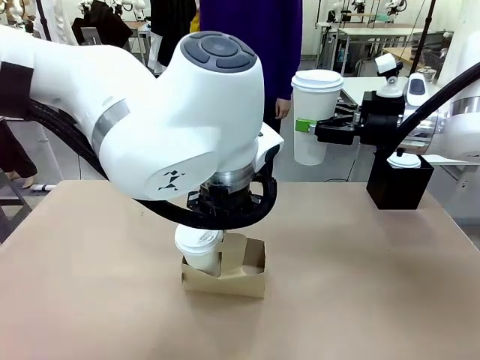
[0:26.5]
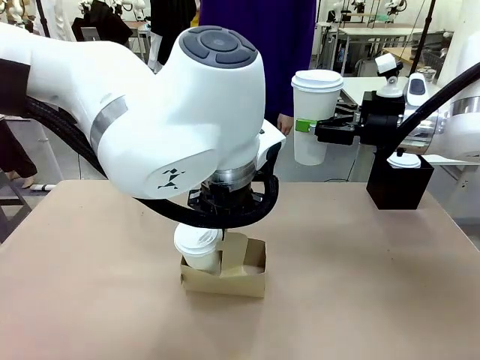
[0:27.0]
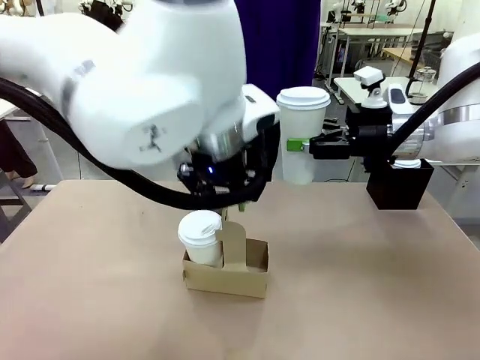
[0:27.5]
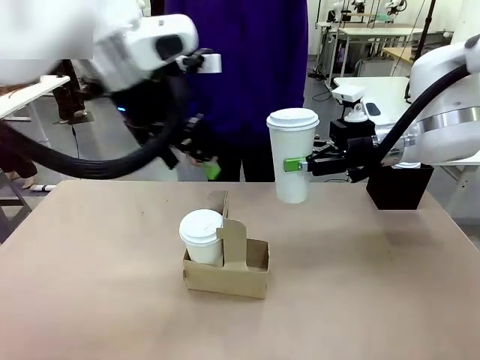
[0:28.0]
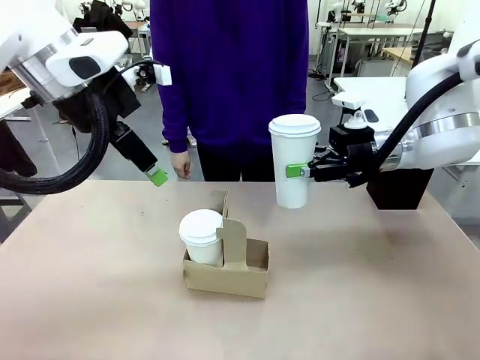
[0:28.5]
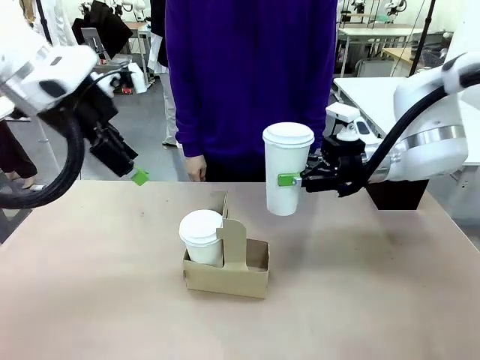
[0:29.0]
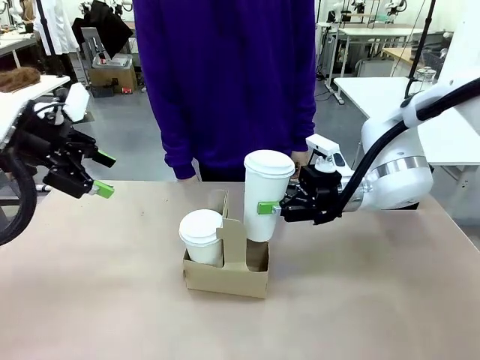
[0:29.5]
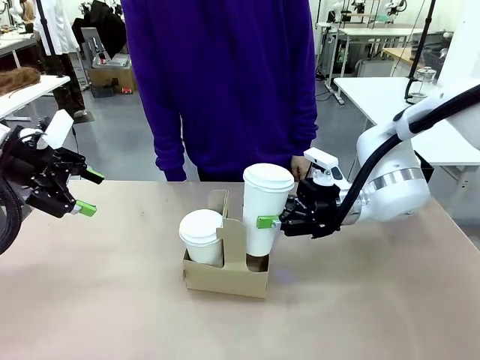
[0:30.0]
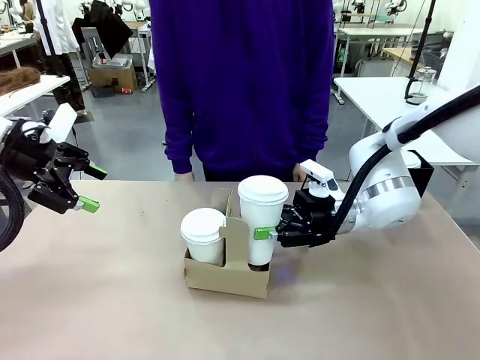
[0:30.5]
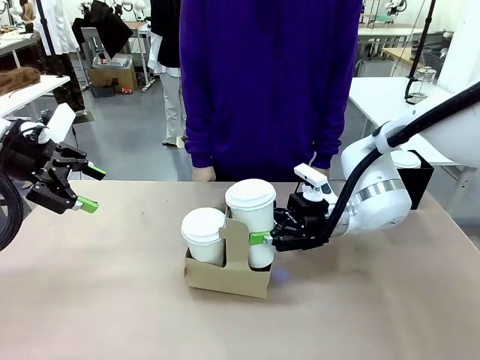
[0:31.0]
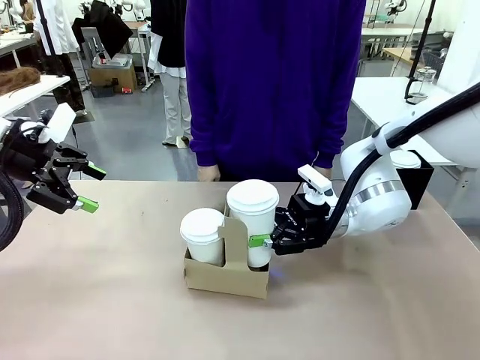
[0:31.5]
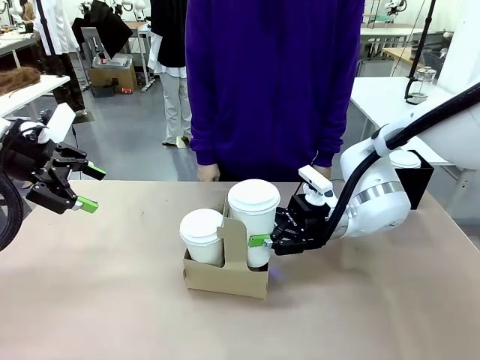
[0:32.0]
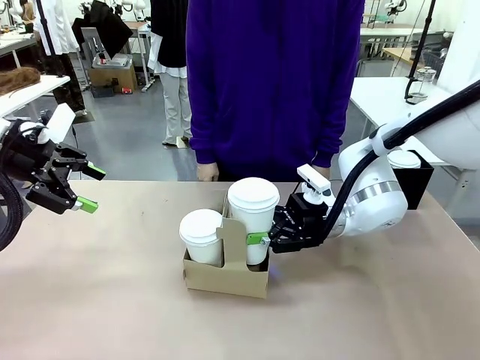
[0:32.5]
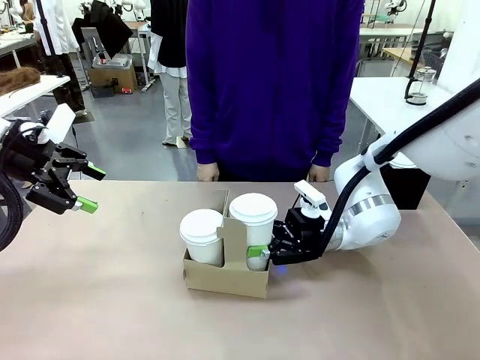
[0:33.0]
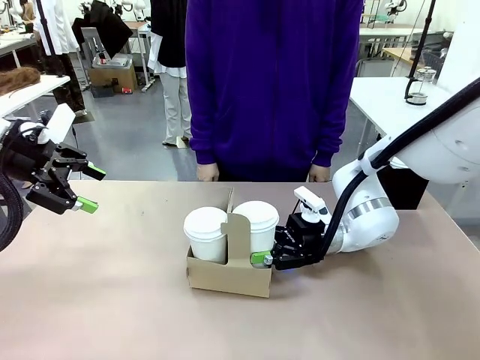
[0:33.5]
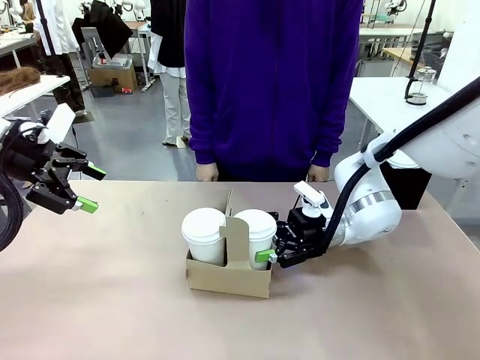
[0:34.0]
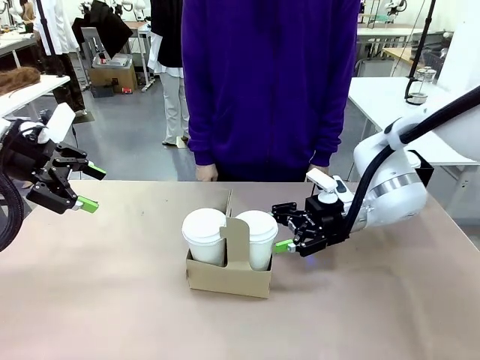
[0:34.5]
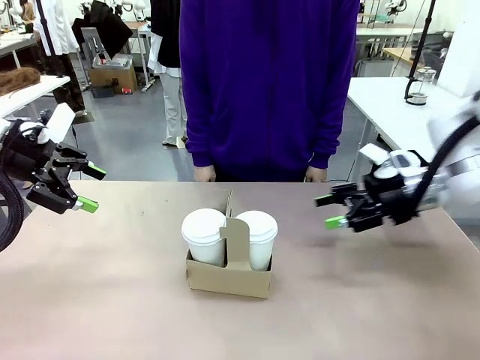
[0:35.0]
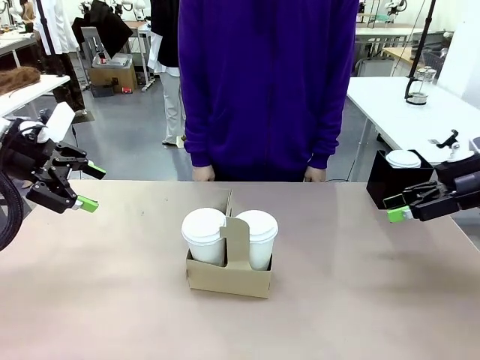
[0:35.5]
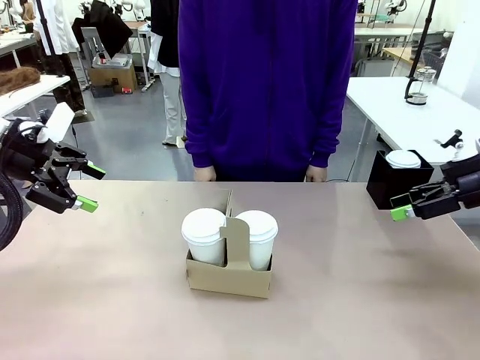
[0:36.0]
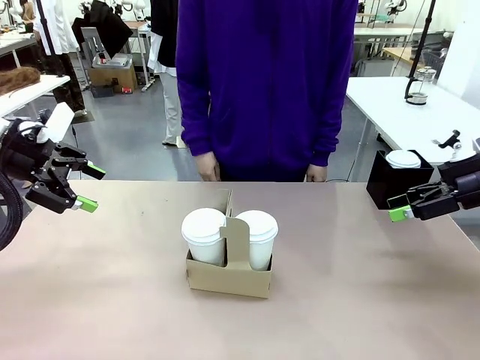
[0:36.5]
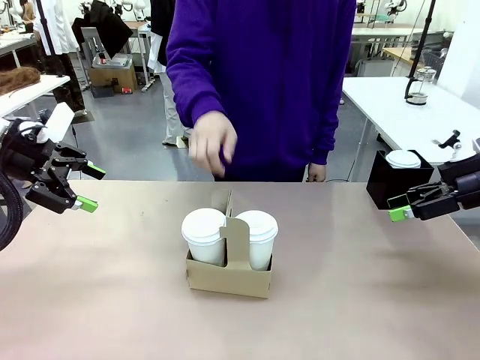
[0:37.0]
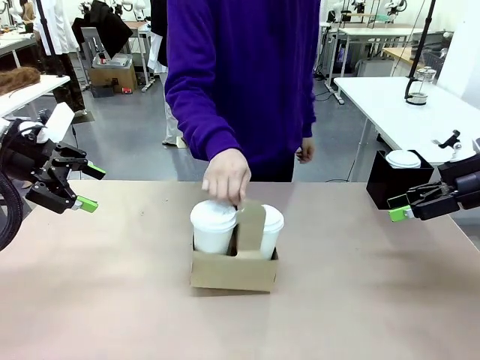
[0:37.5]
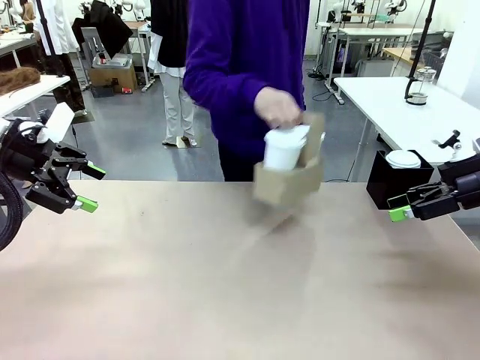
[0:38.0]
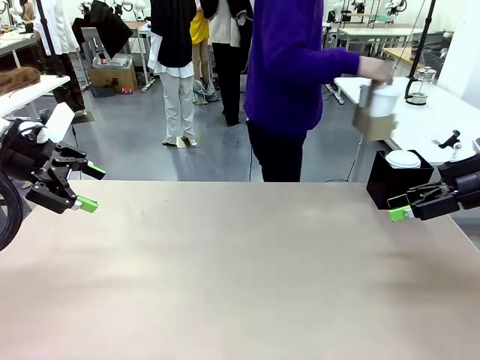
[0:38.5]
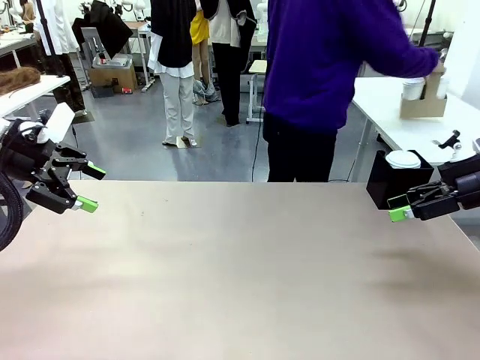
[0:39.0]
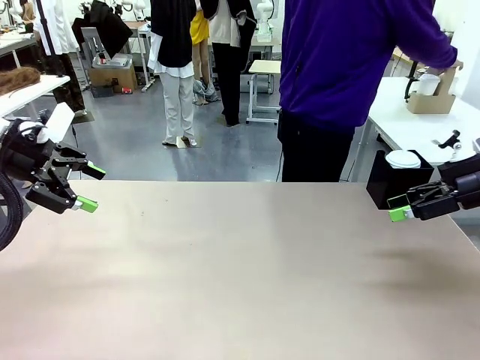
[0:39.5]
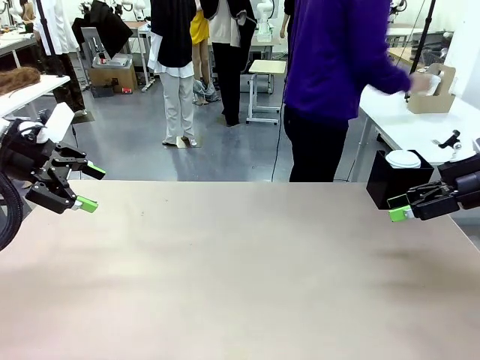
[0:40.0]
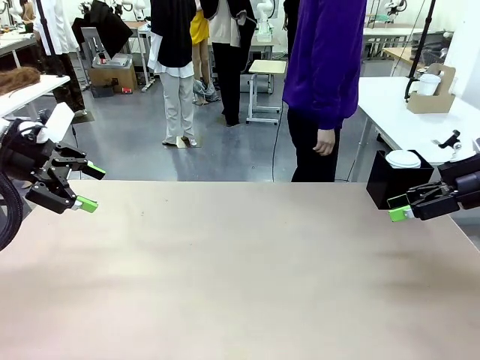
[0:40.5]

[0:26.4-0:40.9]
Task: Pour a drink into a cup and package it in a carrier.
Robot: Insert the held 600 ml Paper Cup into the Cup Carrier.
Person: Place the Cup Carrier to the middle of Human table.

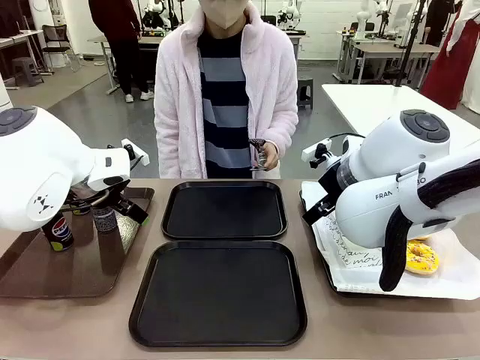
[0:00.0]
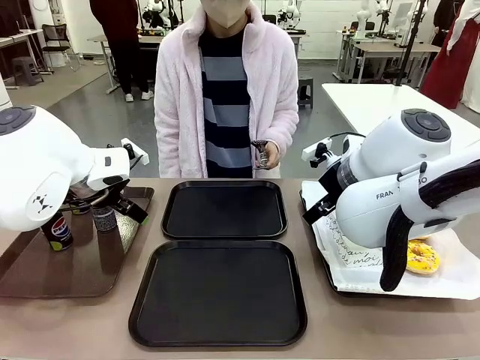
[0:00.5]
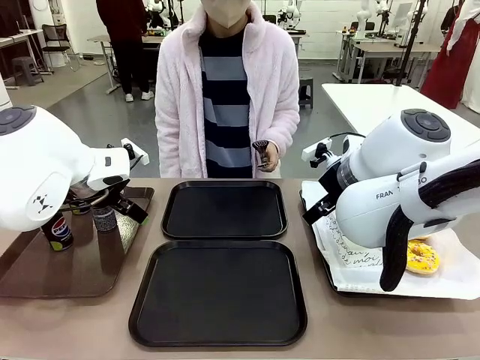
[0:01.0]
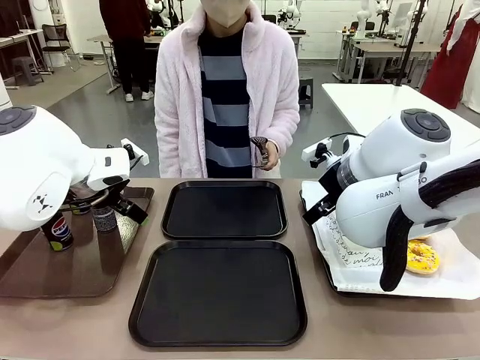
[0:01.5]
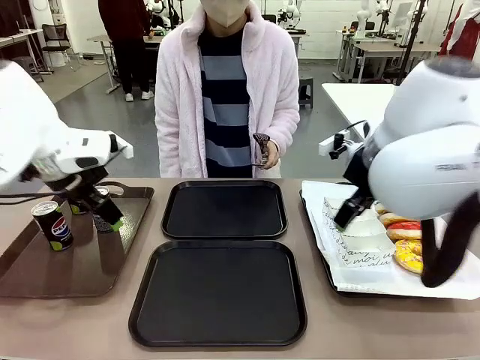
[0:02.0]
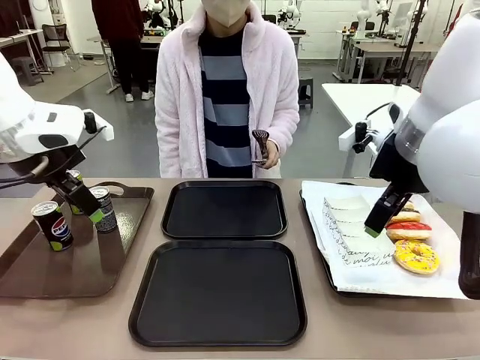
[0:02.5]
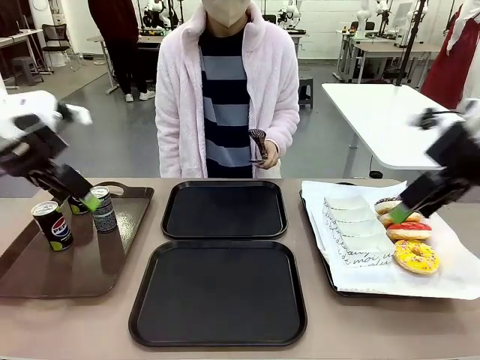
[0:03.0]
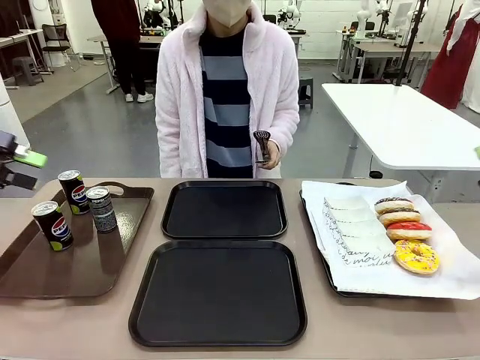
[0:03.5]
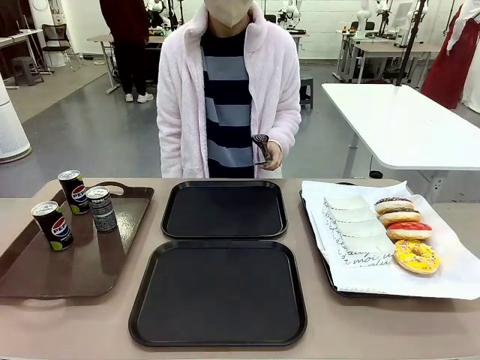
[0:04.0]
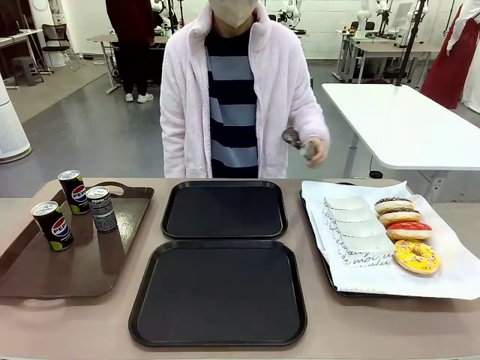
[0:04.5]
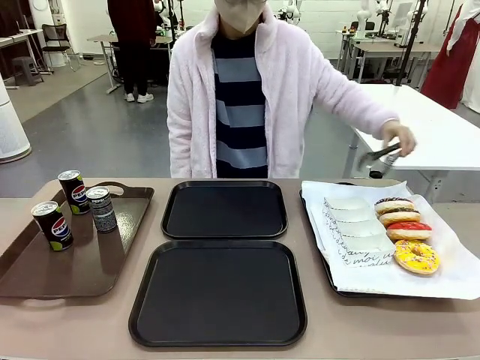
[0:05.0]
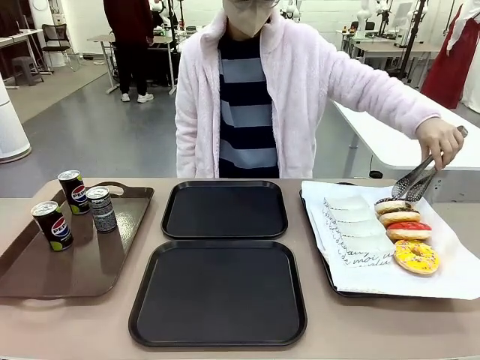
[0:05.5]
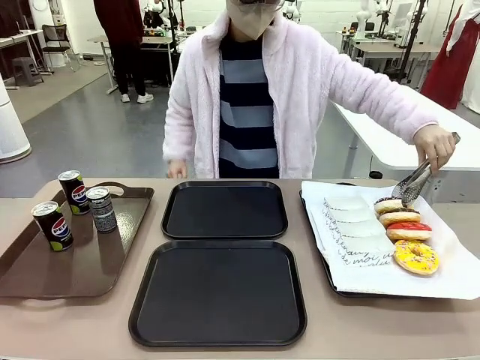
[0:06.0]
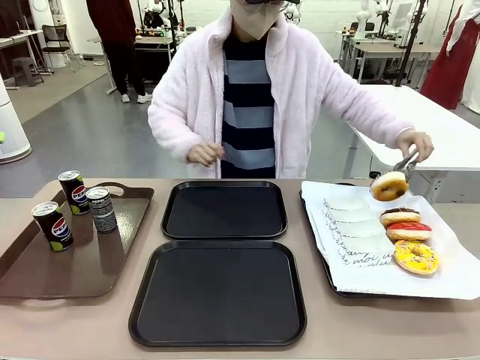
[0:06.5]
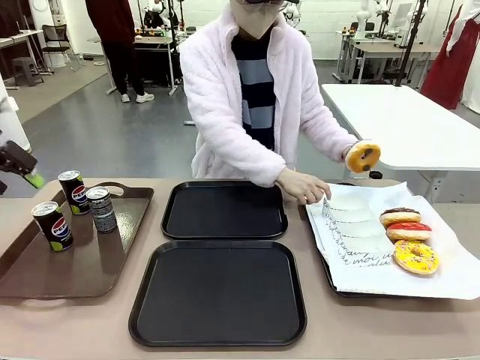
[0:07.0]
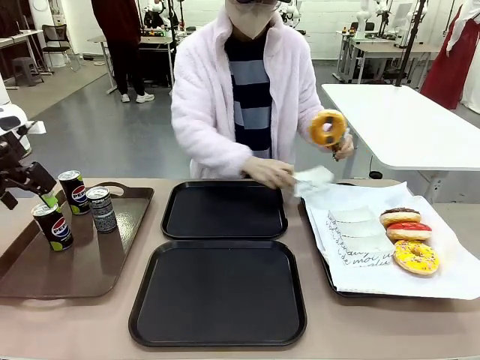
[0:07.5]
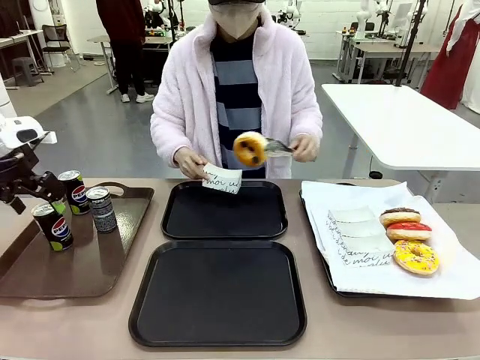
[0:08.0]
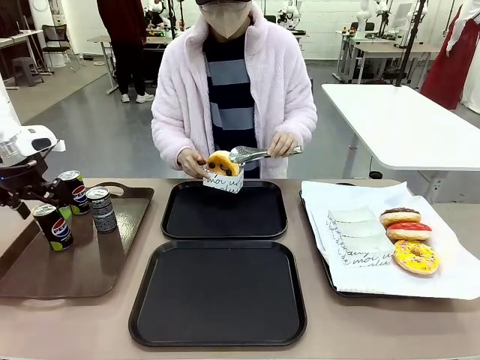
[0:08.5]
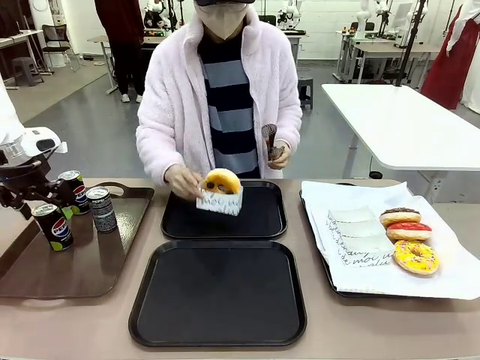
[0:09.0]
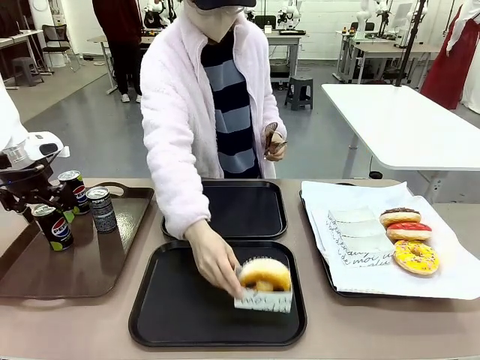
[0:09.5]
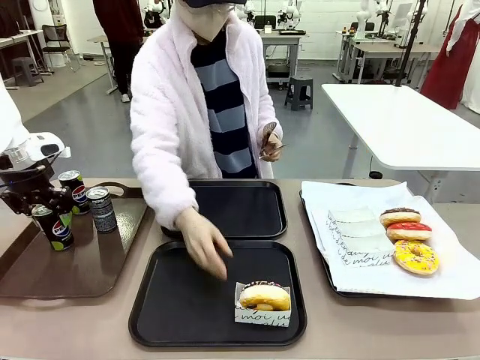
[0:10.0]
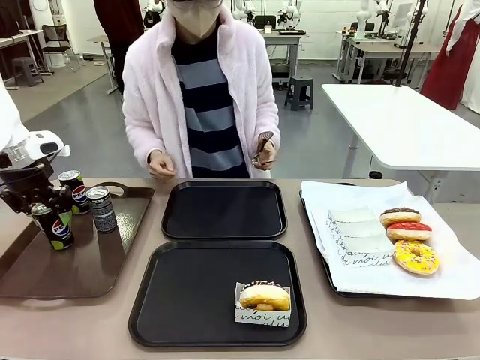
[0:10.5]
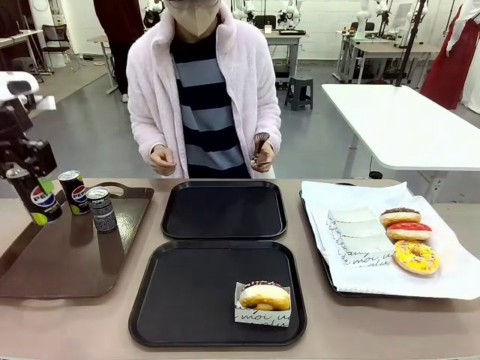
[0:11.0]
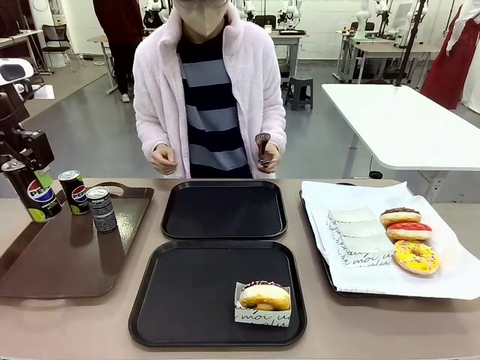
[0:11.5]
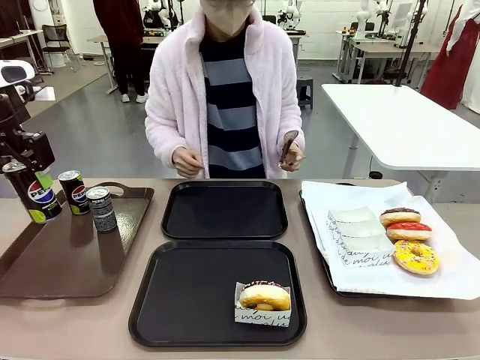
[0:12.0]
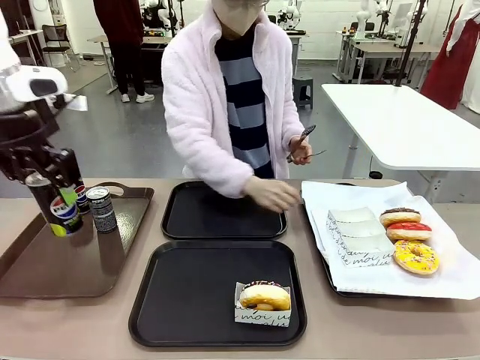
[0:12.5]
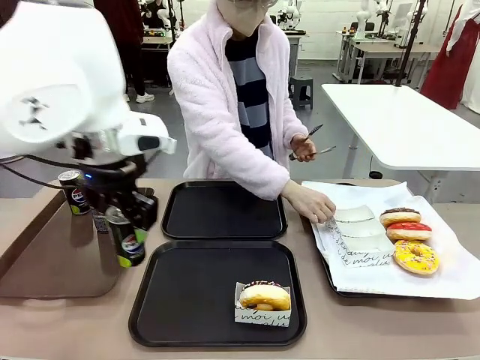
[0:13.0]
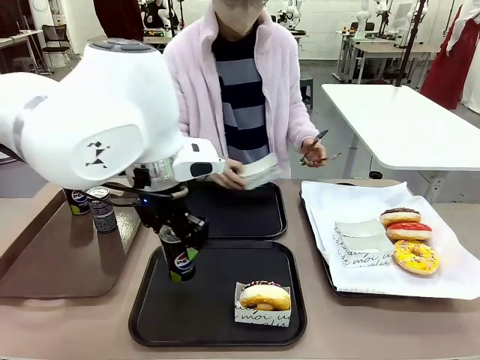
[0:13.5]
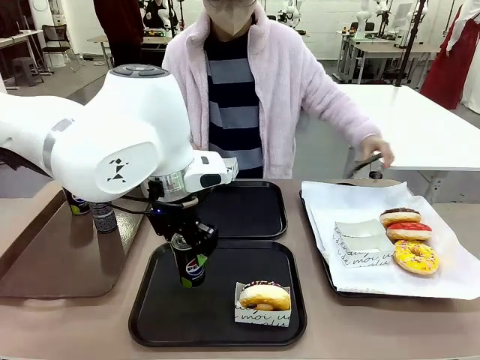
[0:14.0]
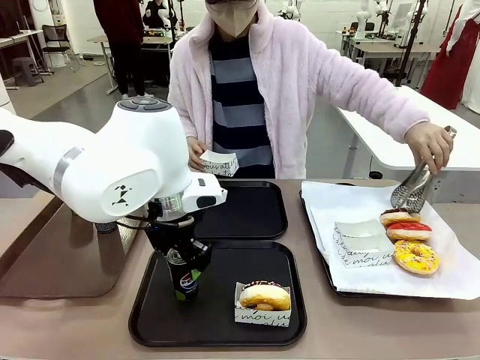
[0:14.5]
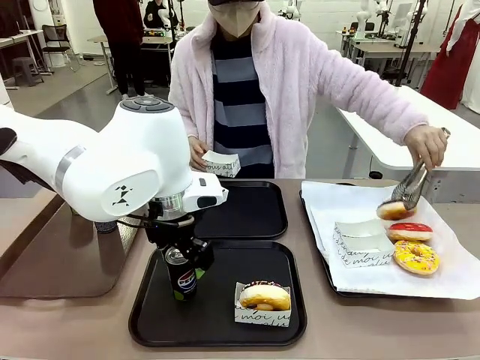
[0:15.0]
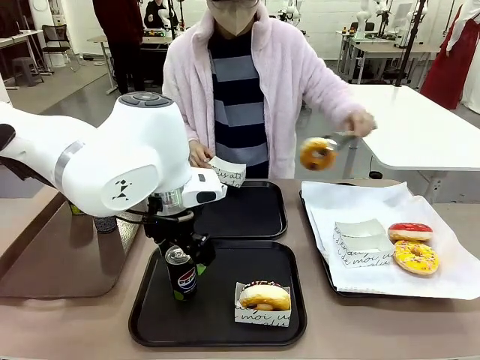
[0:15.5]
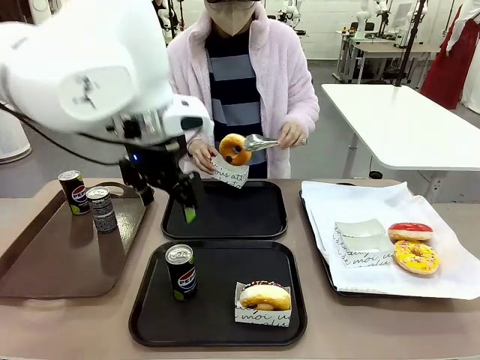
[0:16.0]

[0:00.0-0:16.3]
Task: Set up donuts and drinks on trays.
Robot: Pick up one Pepsi coke and place it on the Flat Tray.
